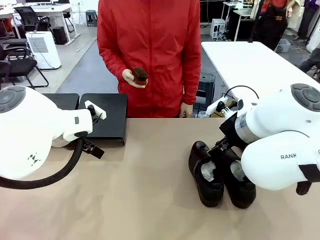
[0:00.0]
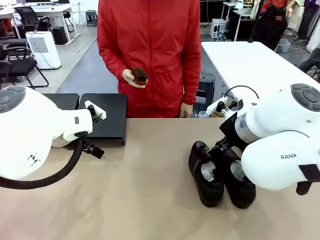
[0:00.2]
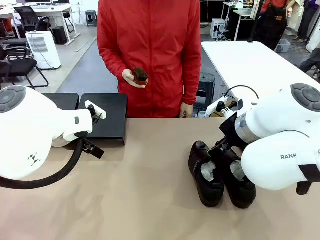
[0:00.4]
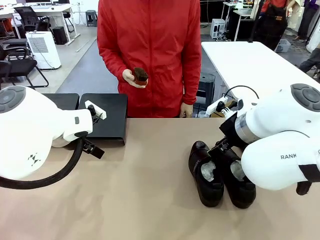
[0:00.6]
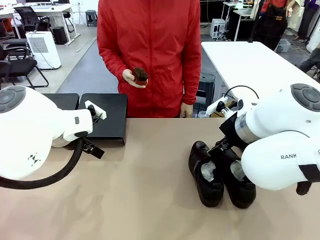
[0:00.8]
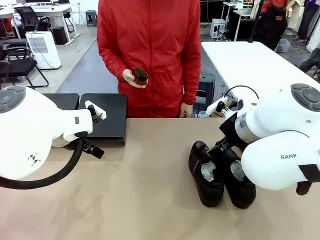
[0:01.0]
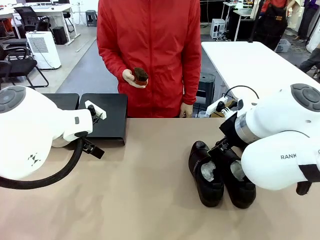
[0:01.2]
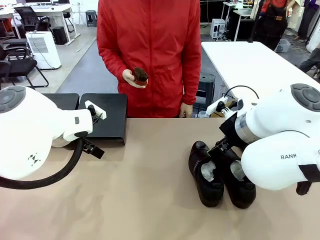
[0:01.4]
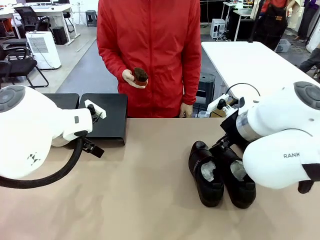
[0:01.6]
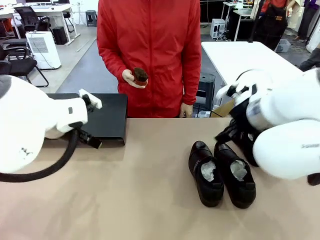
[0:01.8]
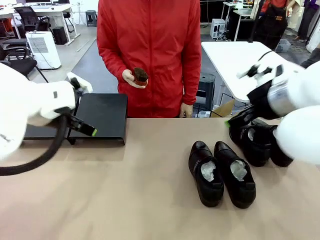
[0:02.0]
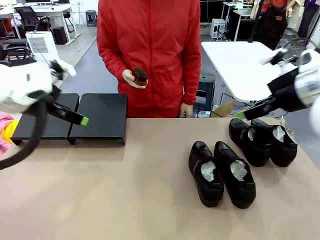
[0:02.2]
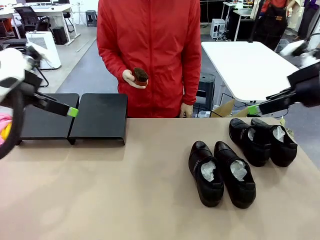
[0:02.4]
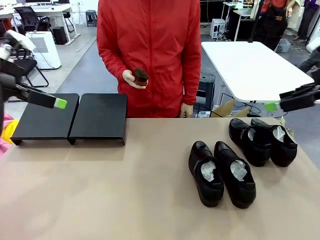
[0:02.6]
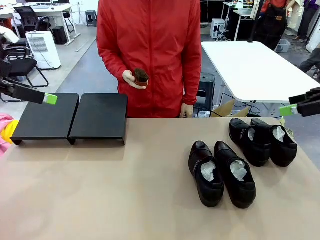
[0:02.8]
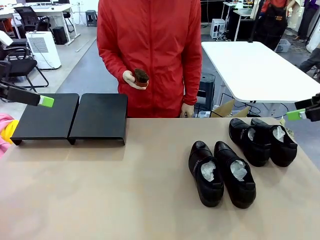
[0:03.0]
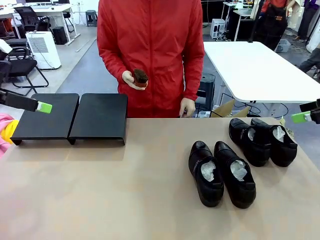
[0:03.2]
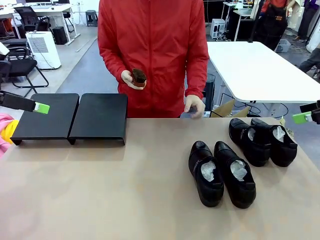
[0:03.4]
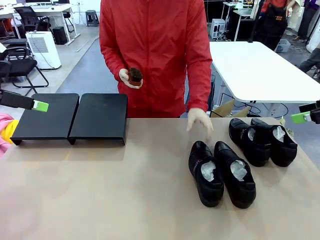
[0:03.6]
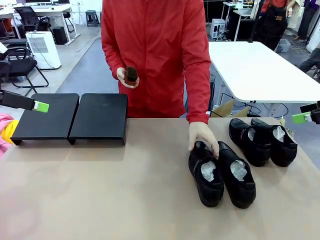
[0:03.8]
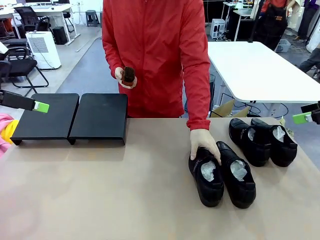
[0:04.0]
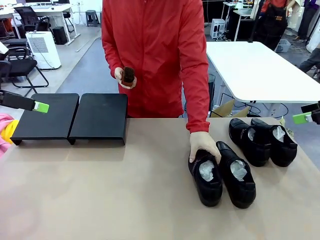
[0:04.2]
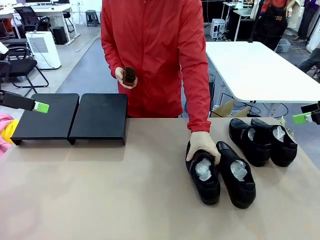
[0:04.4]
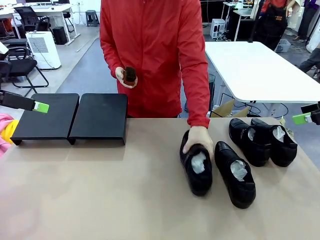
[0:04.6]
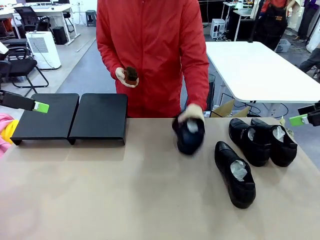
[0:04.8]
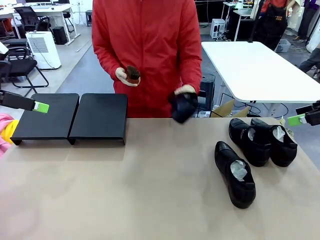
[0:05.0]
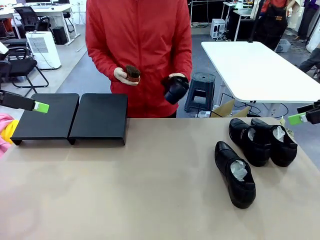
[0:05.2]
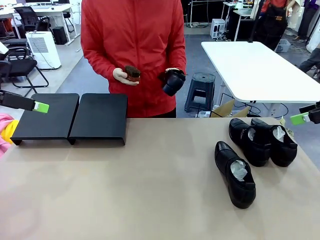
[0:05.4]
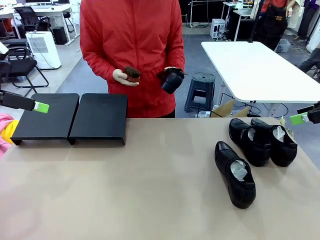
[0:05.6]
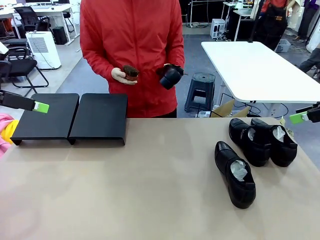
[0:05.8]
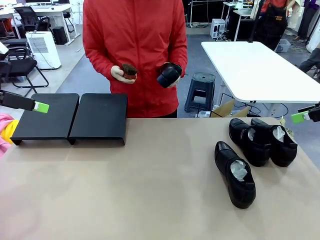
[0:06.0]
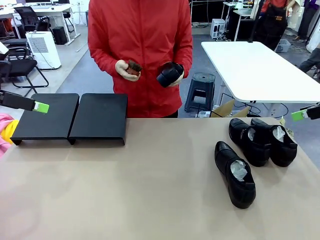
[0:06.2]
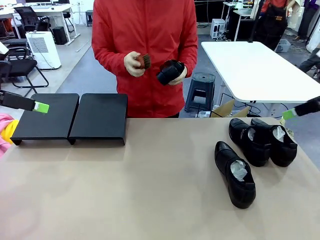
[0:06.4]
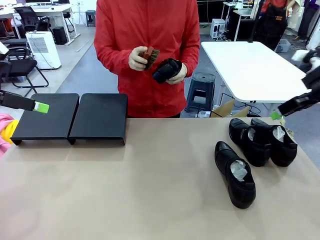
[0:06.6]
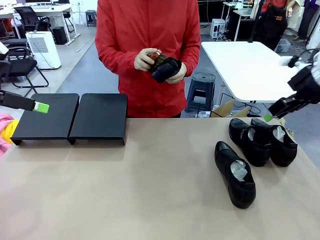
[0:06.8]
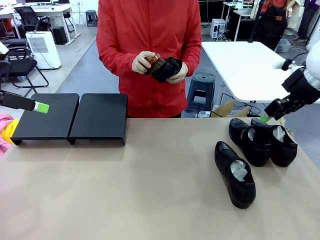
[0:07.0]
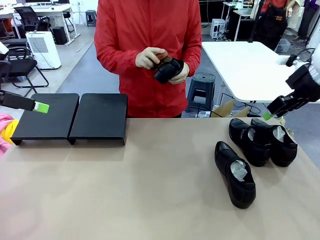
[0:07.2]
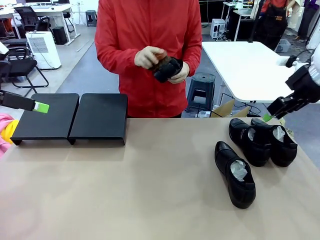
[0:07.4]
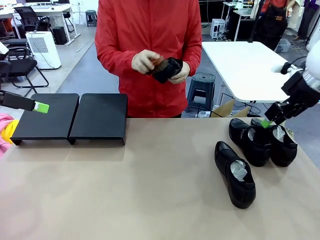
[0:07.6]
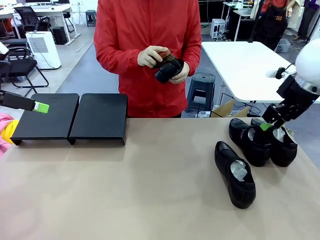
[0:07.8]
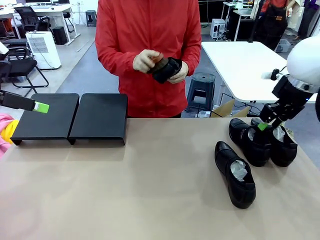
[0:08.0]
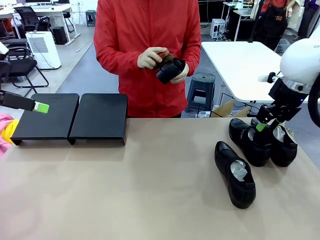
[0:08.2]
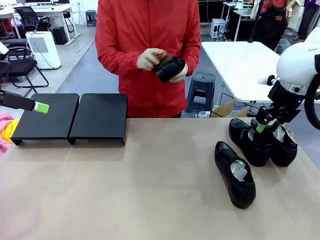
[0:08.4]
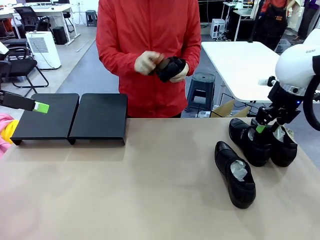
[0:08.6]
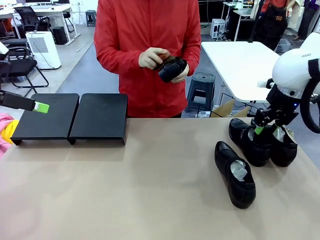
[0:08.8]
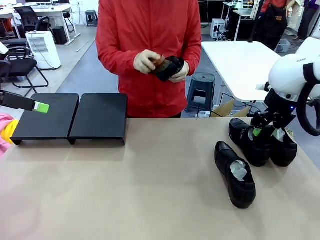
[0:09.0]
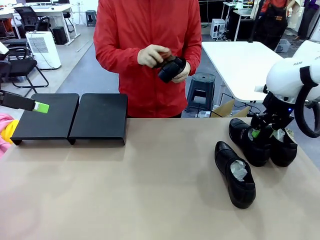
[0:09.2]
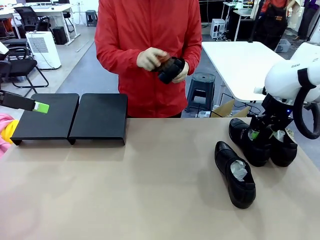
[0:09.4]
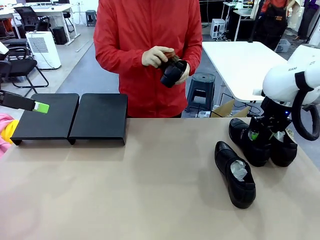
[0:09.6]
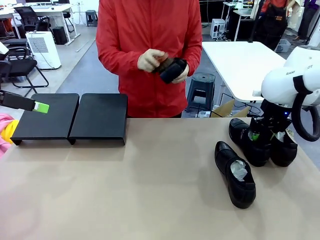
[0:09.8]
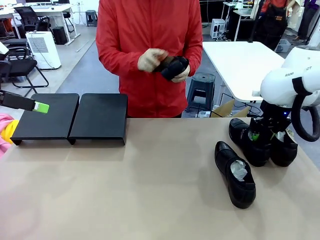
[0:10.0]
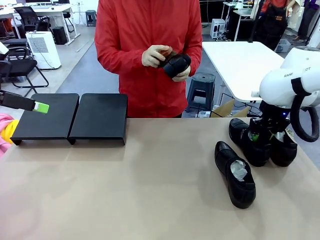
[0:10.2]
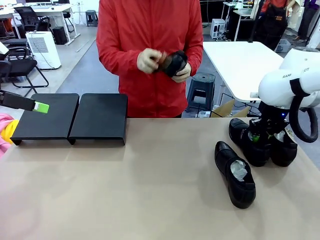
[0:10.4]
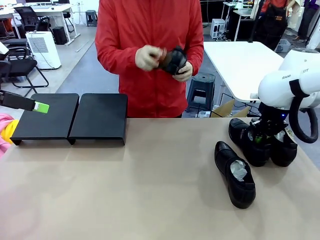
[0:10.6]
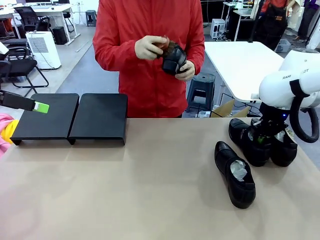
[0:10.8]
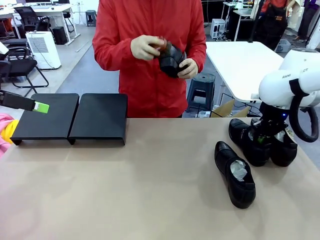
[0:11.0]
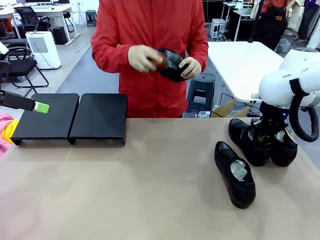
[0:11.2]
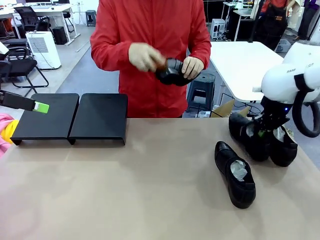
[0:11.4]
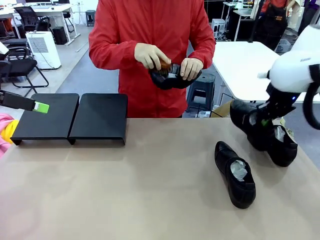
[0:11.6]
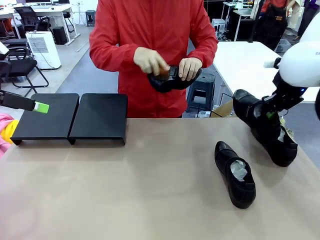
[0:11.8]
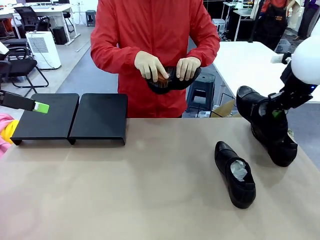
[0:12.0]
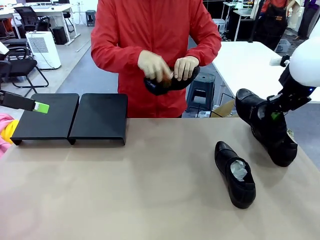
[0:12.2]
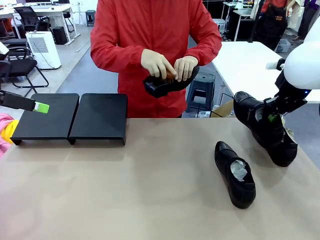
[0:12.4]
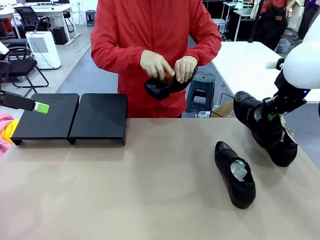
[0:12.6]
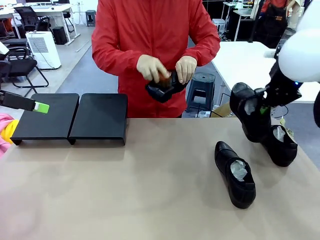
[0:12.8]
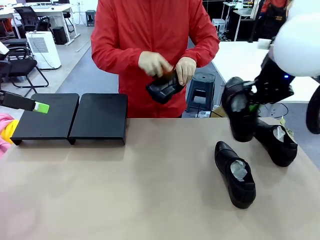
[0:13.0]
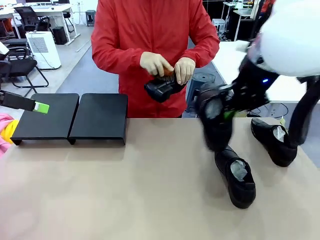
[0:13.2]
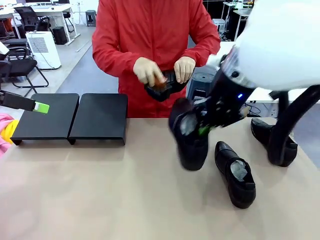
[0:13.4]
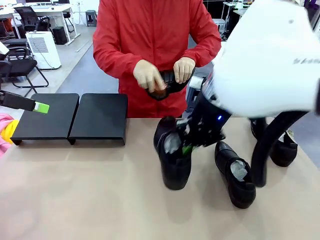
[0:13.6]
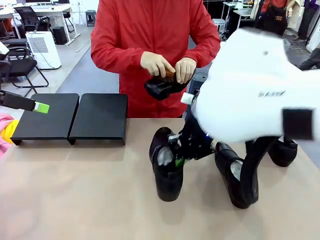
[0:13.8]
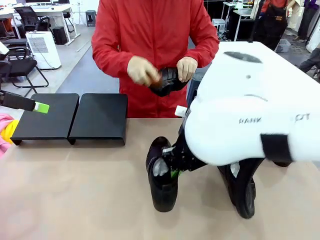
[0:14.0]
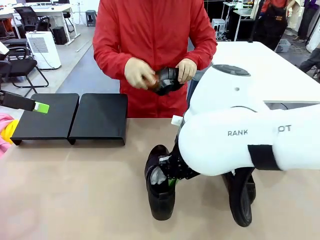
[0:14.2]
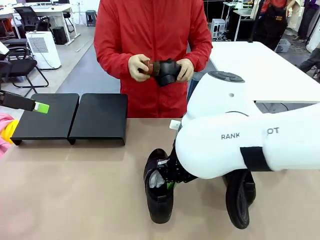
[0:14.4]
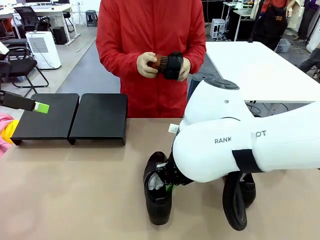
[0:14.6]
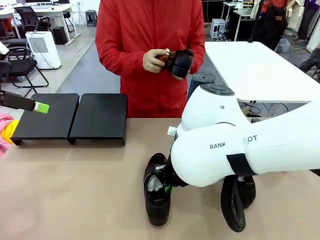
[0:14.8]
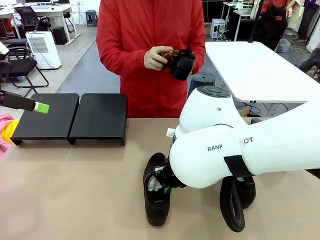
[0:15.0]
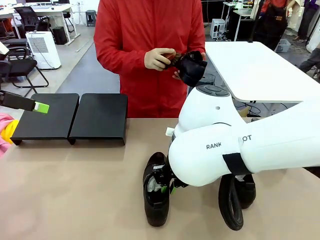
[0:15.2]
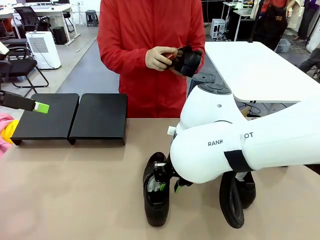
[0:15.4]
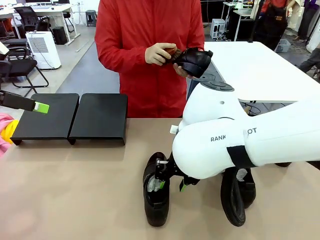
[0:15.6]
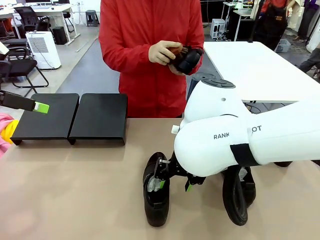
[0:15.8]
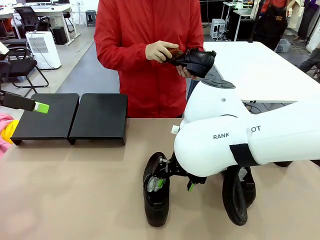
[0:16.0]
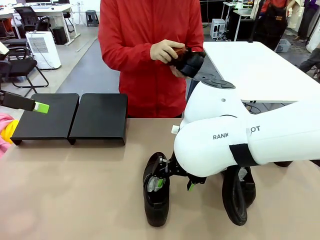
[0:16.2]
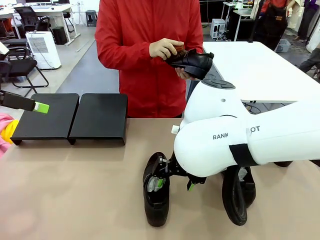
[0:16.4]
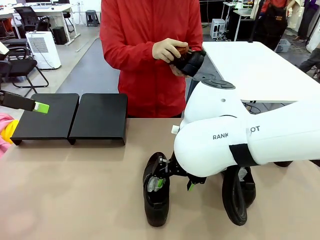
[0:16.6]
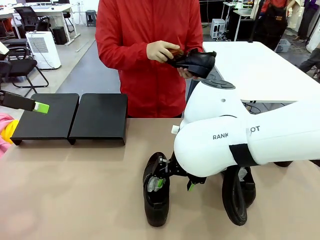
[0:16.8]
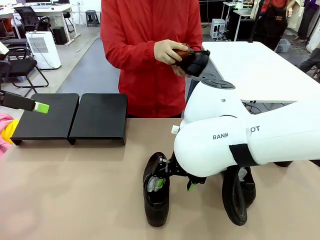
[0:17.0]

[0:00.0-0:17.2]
Task: Organize the shoes by placing them on the stand.
Robot: Pick up one Shoe and place it in the middle of the table.
Person: Pick one Shoe on Robot's table. Clean the Shoe with the Shoe Brush.

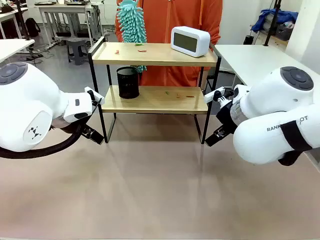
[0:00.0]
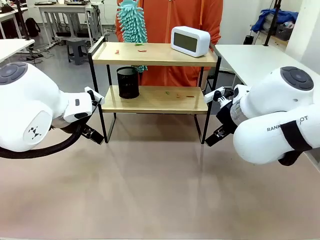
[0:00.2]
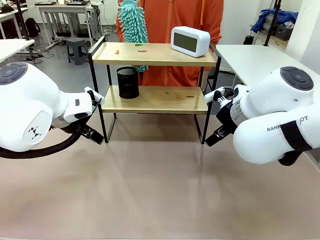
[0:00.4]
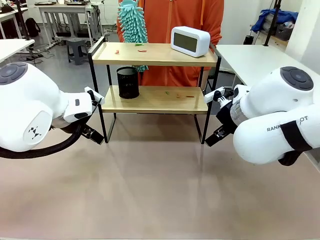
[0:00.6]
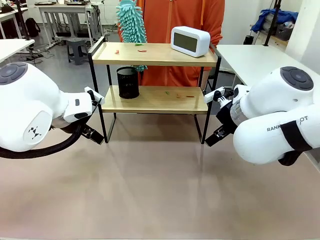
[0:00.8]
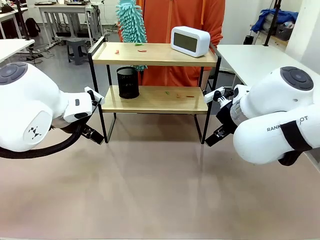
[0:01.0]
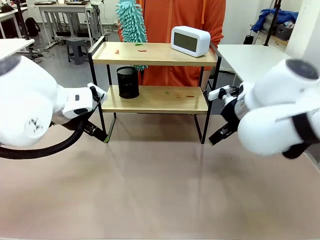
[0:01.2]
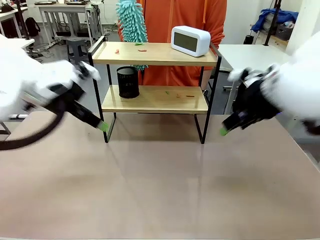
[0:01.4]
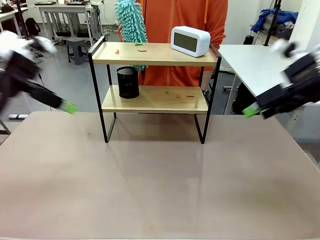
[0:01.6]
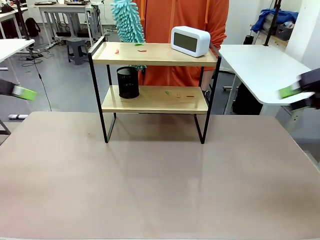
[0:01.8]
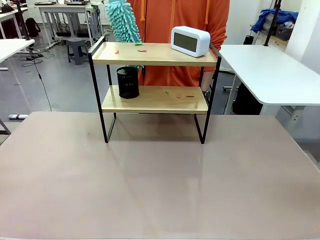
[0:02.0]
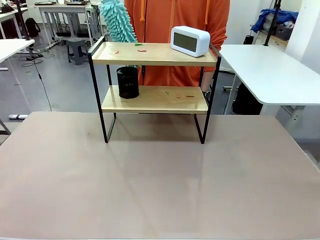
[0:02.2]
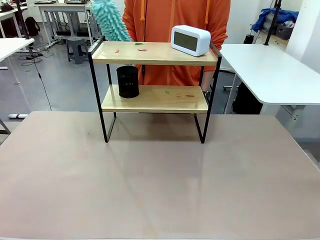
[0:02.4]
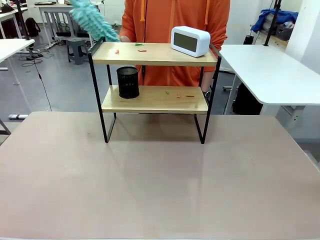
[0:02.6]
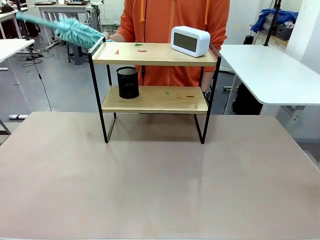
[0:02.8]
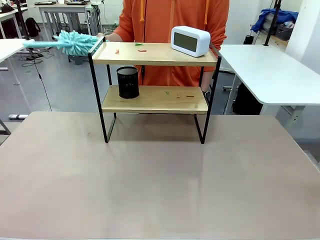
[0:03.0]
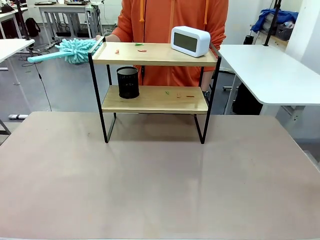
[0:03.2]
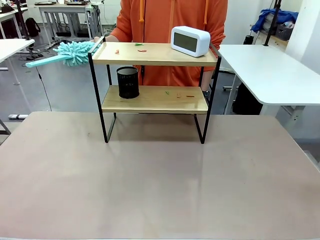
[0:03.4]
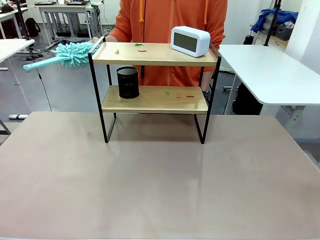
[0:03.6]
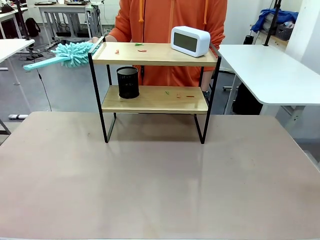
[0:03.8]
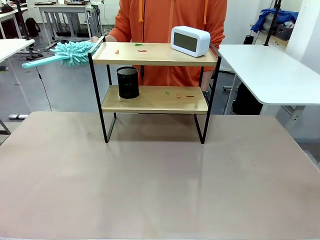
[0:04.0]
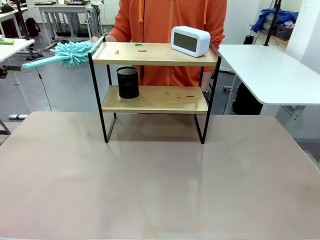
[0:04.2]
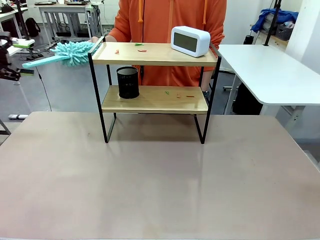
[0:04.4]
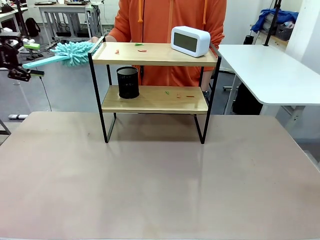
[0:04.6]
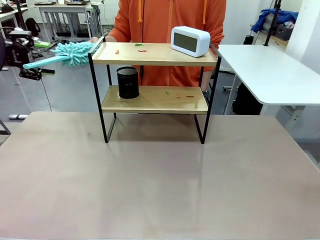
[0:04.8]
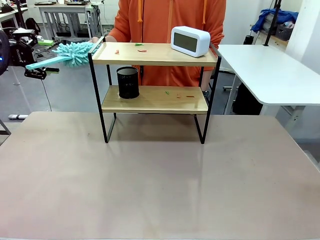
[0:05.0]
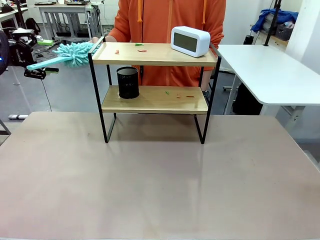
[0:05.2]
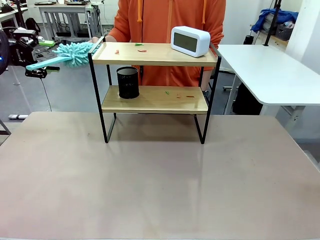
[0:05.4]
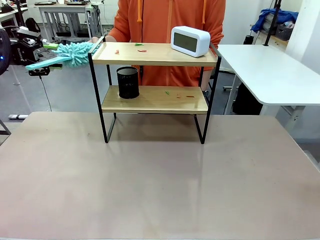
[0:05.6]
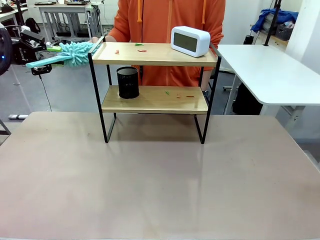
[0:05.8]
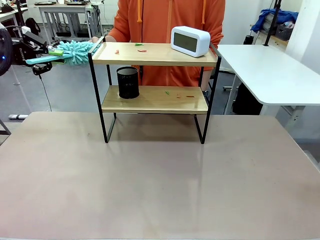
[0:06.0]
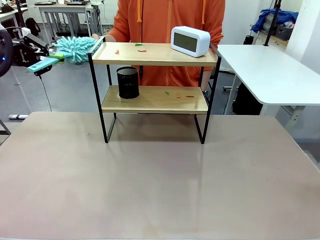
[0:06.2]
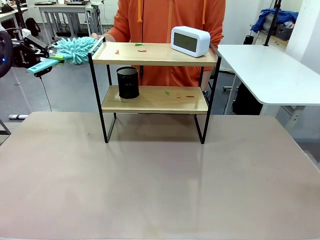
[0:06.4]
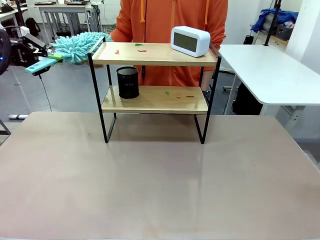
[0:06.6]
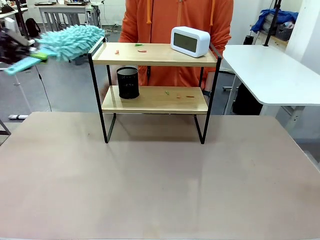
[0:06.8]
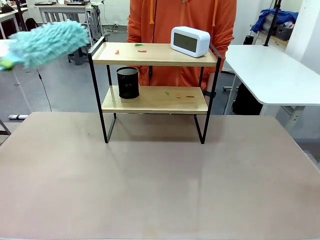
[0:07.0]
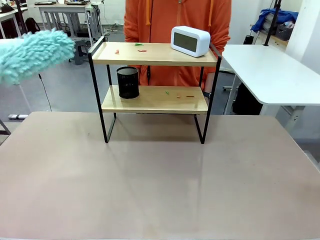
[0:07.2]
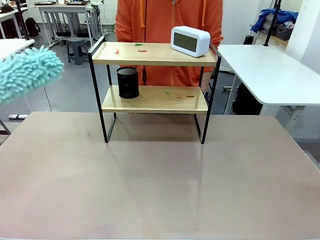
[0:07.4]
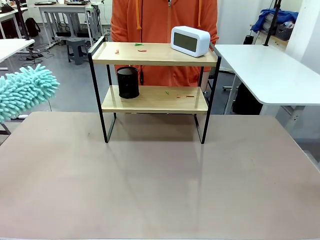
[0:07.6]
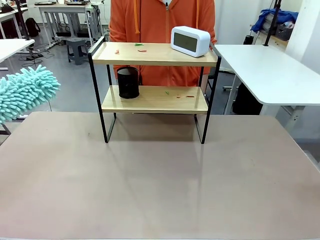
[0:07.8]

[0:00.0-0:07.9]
Task: Clean the shelf.
Robot: Pick up the Duster from the human.
Person: Hand the Duster to the robot.
